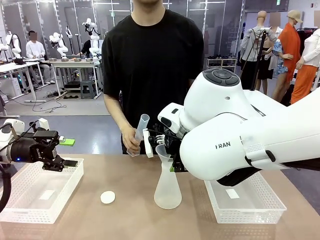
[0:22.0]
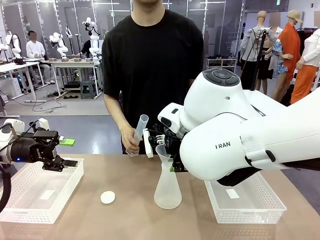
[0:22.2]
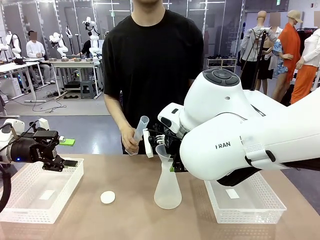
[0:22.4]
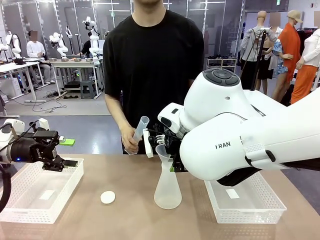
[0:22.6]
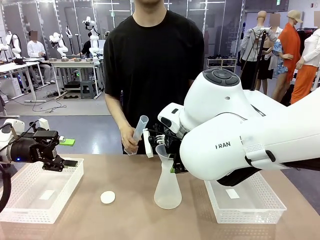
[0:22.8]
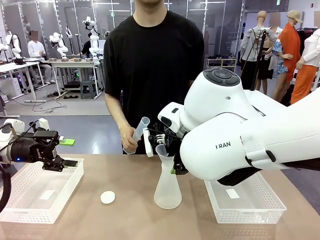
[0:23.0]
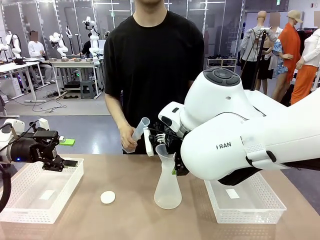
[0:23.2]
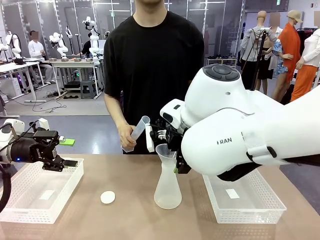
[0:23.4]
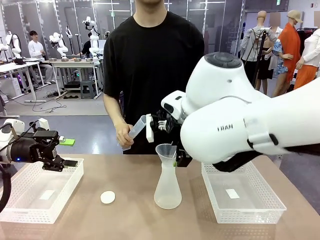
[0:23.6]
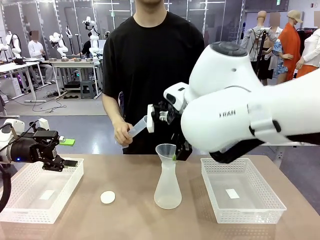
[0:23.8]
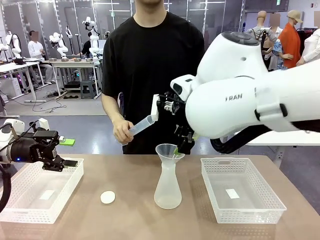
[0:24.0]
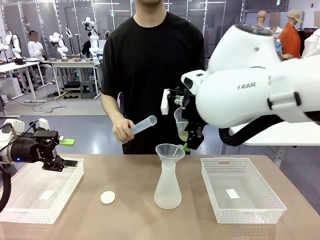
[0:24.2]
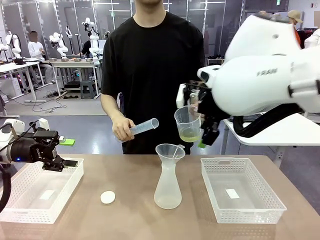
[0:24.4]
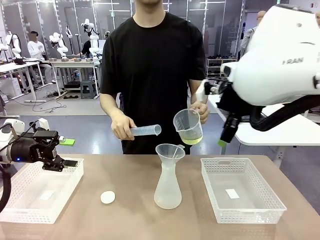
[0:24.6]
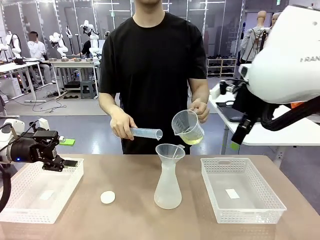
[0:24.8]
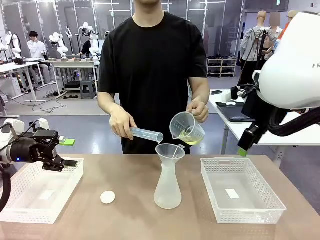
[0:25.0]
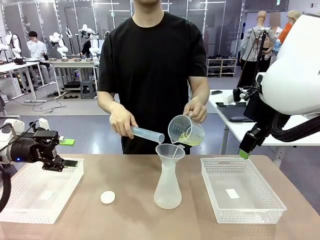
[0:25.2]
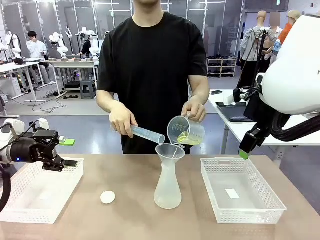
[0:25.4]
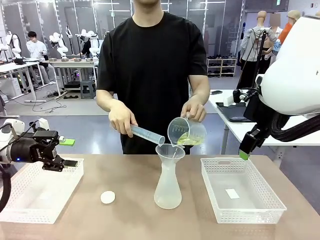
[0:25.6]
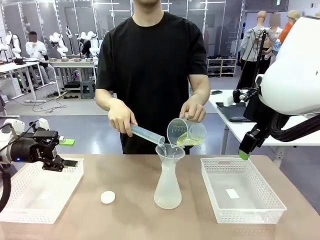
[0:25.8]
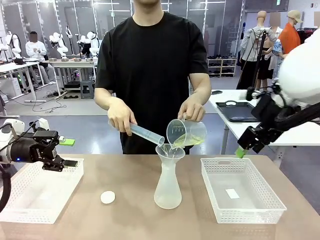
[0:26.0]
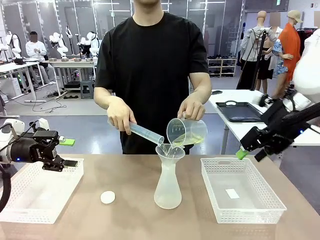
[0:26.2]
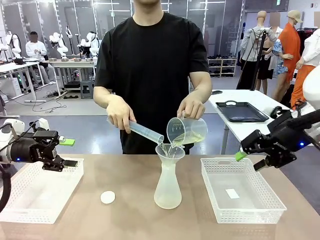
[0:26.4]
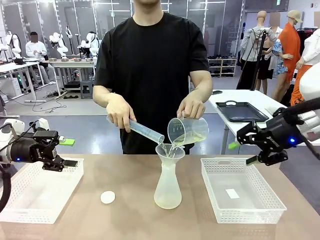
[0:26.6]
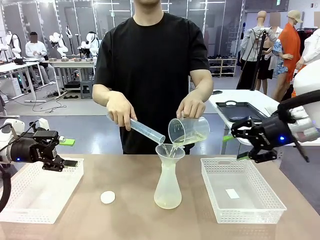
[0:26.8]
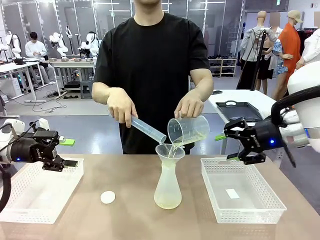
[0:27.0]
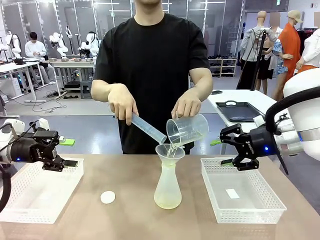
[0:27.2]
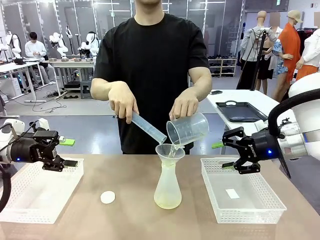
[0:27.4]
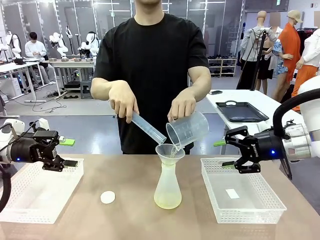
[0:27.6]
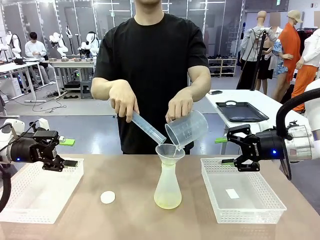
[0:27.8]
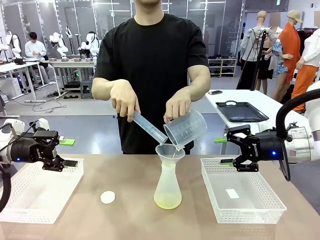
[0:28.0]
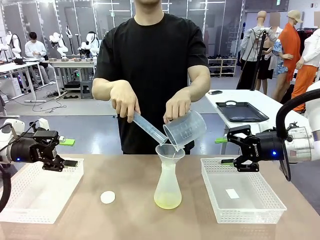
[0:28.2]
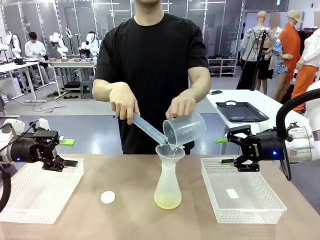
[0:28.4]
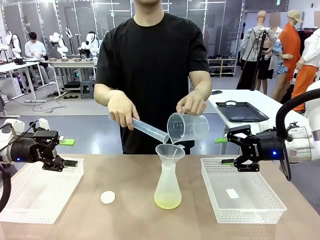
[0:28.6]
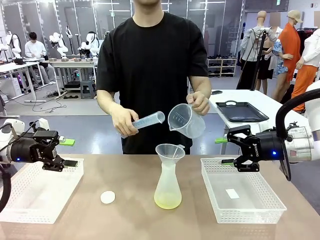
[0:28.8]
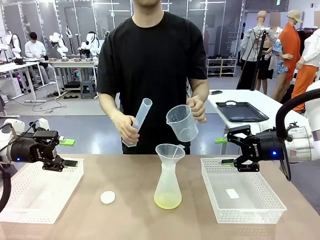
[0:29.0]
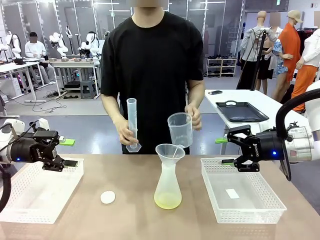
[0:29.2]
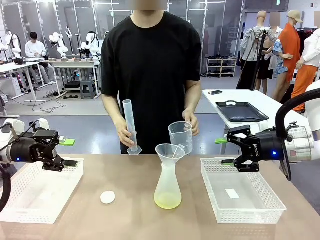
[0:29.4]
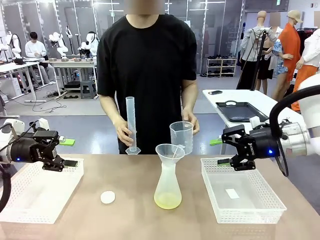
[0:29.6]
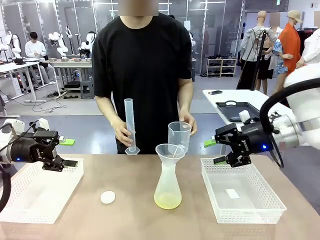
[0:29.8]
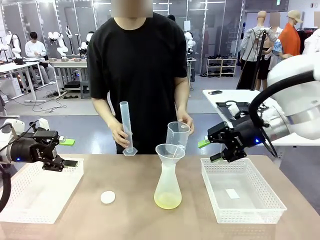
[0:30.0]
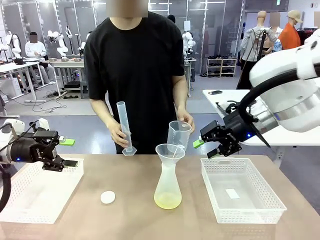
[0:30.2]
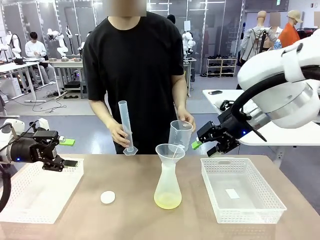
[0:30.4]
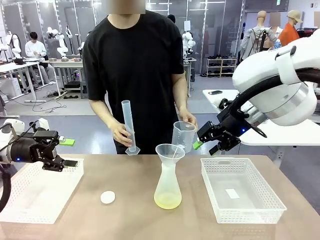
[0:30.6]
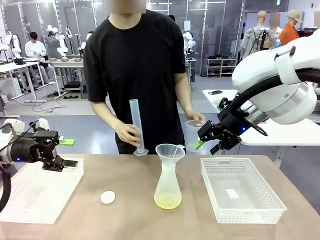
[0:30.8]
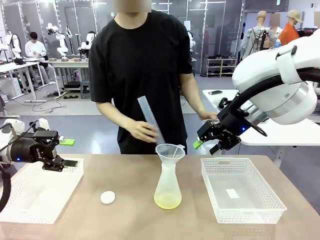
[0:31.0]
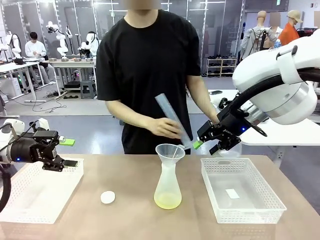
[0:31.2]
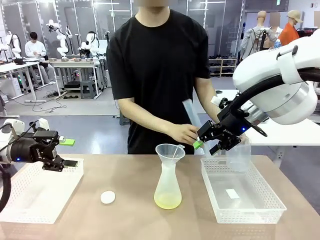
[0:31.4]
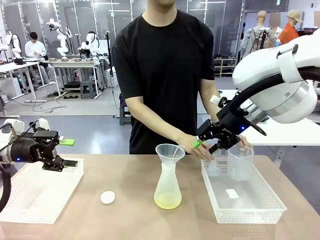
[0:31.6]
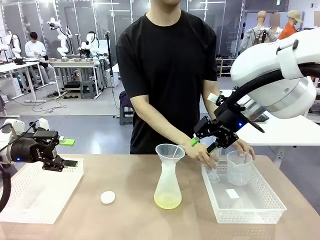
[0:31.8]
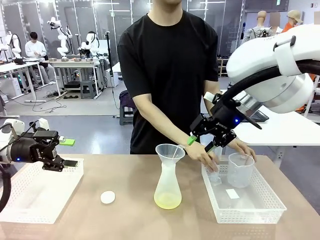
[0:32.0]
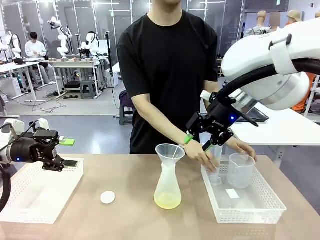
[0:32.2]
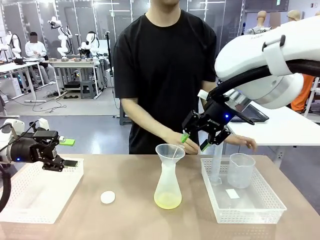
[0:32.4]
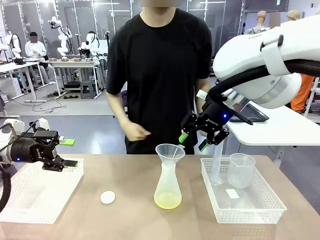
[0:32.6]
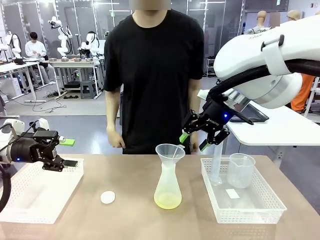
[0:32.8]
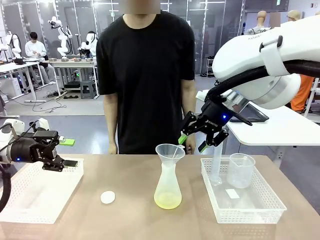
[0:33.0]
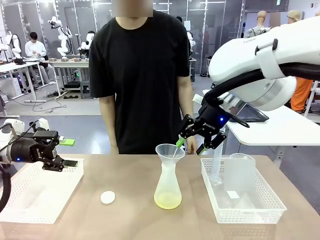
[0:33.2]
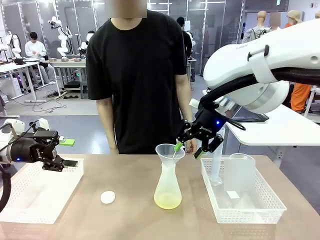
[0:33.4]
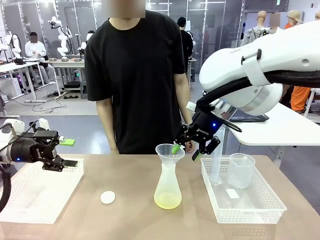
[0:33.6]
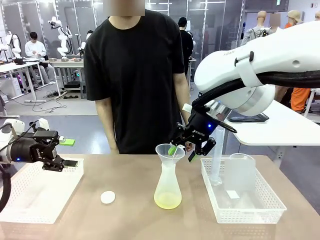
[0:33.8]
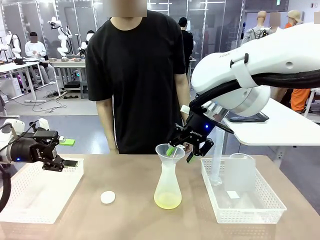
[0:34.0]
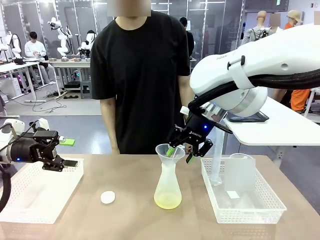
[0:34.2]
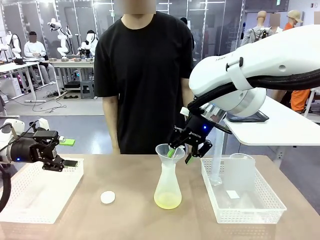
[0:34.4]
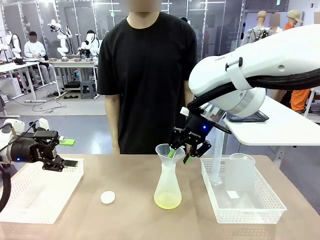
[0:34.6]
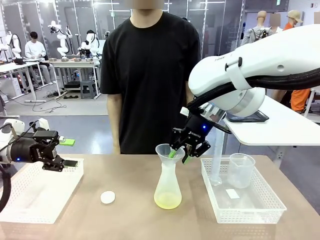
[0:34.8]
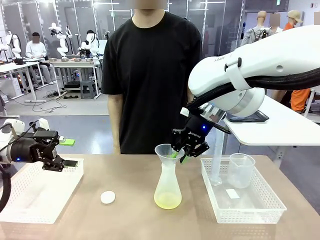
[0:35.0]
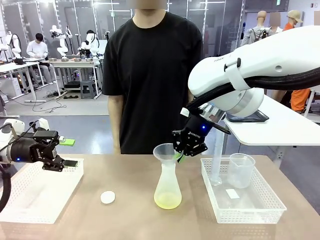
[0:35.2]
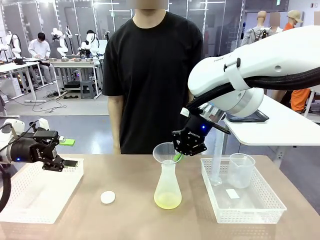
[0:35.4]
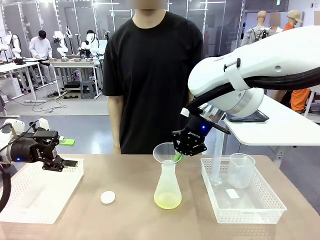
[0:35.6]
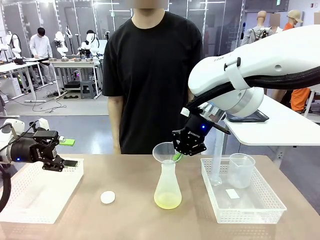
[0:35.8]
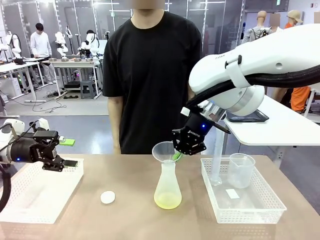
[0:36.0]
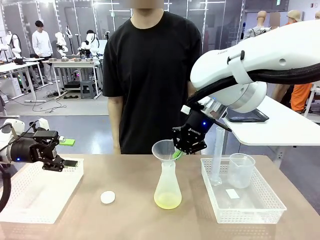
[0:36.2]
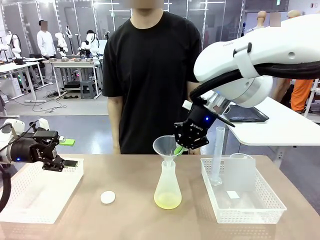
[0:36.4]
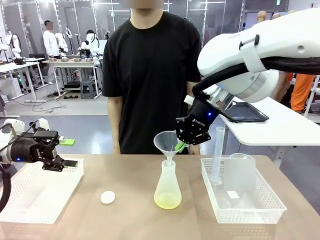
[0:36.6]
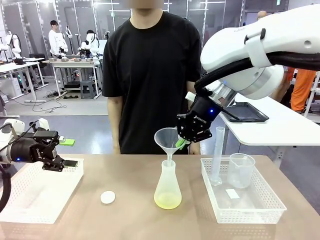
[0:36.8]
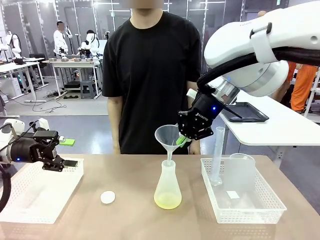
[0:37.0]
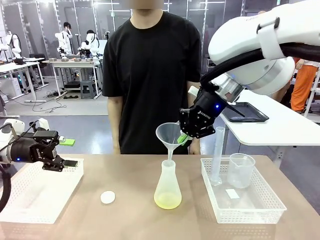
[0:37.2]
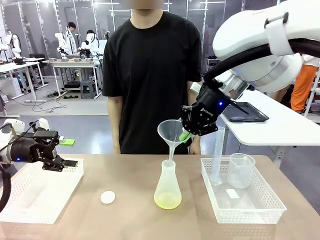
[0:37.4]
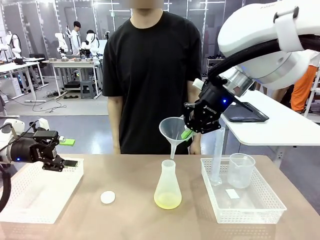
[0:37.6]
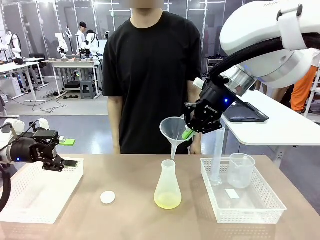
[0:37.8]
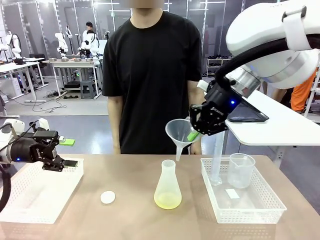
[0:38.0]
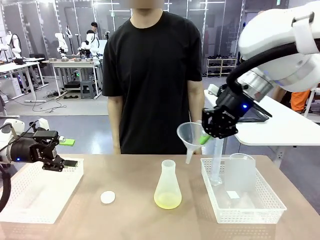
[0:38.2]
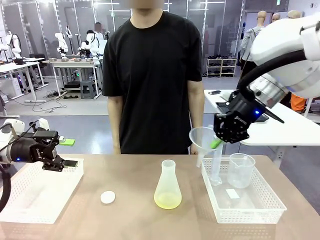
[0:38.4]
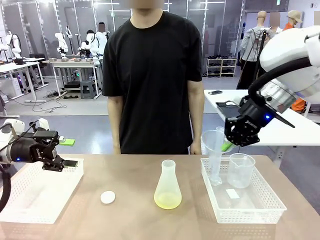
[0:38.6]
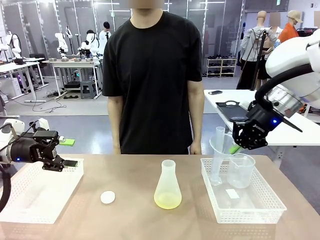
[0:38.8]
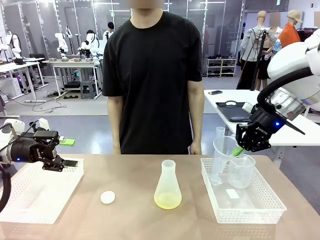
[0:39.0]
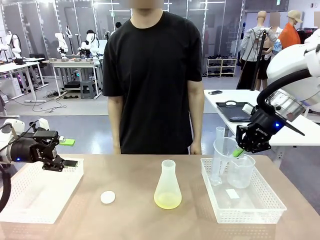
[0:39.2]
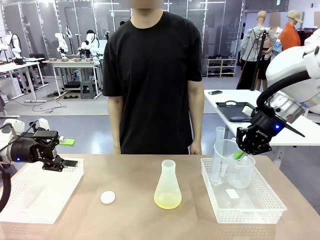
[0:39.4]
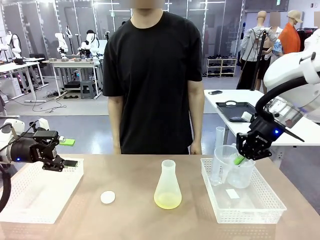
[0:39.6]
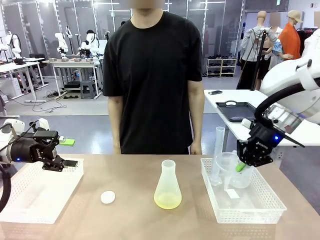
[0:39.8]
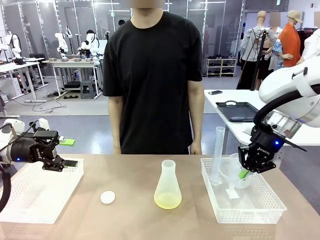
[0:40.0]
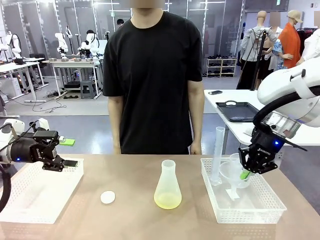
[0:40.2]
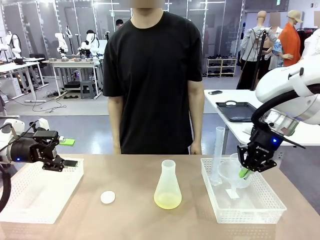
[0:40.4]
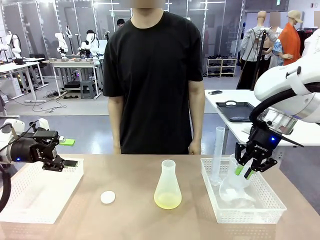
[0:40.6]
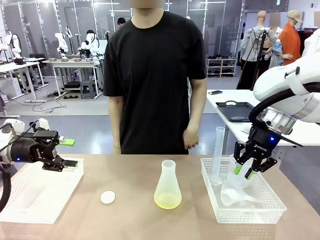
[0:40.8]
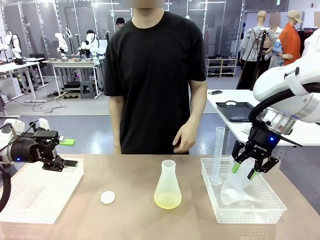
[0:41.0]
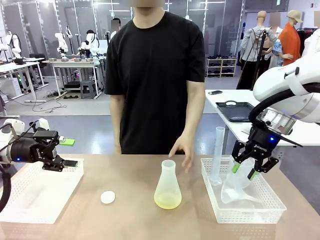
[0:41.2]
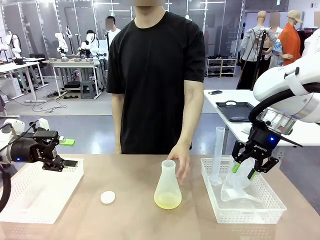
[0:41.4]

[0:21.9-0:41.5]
Task: Prepare the solutions needed for the experiment.
Robot: Once the solution is in the Big flask , pick up the Plastic Funnel and place it back into the right Organizing basket.
Person: Place the beaker and the cylinder into the organizing basket on the left side. Pick up the flask, gently shake it 2–3 times, place it in the middle of the robot table, and close the lid.
